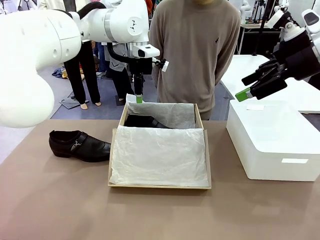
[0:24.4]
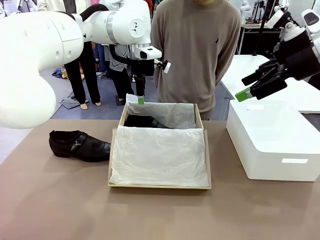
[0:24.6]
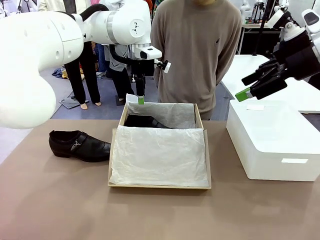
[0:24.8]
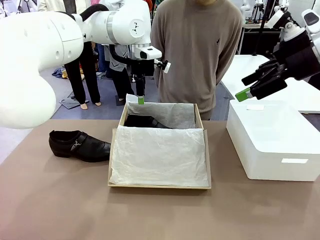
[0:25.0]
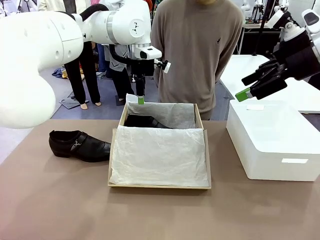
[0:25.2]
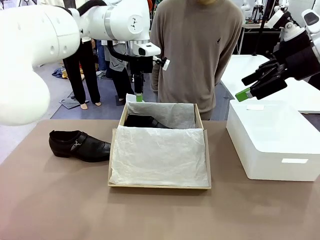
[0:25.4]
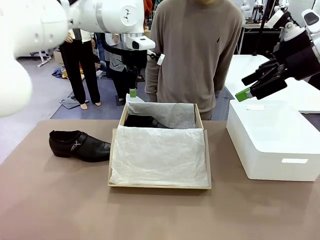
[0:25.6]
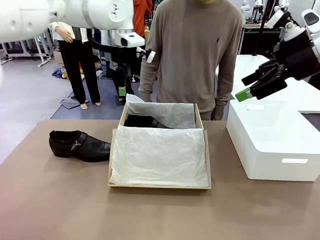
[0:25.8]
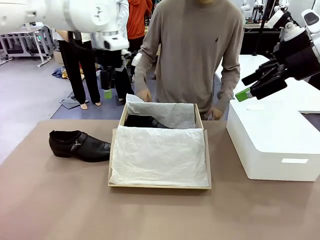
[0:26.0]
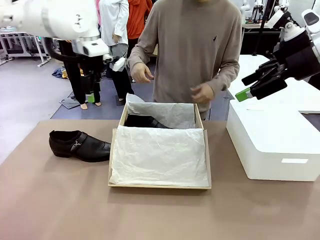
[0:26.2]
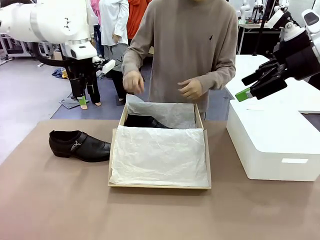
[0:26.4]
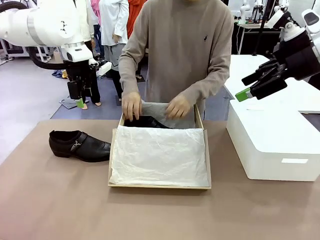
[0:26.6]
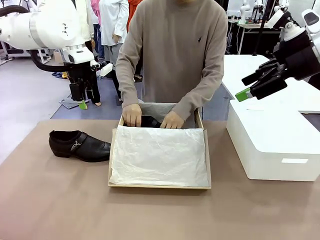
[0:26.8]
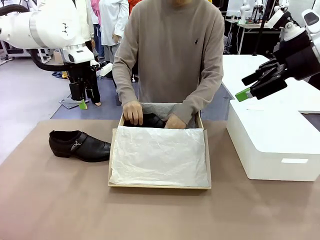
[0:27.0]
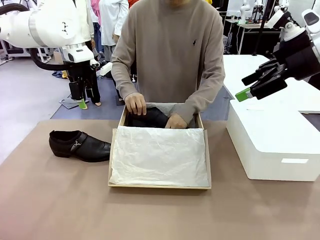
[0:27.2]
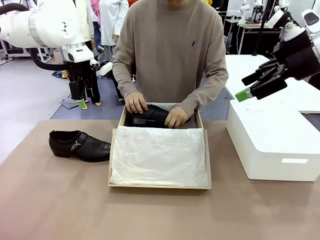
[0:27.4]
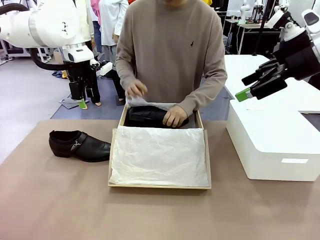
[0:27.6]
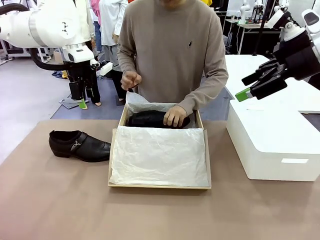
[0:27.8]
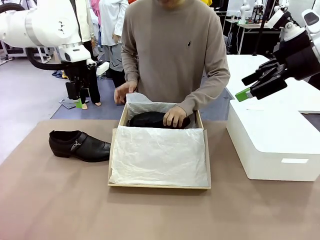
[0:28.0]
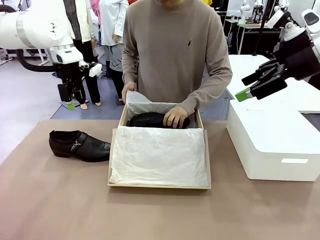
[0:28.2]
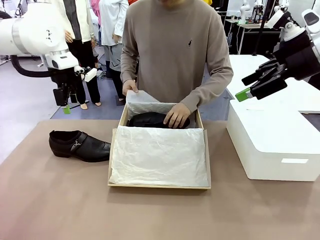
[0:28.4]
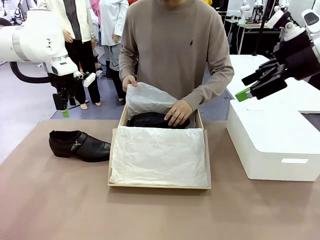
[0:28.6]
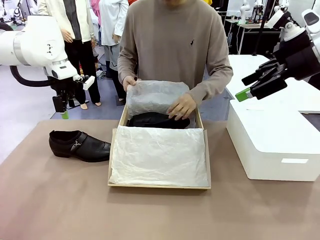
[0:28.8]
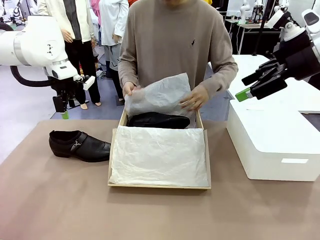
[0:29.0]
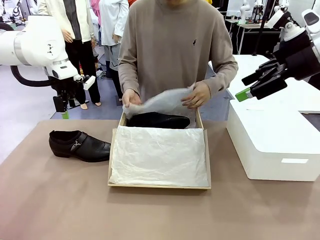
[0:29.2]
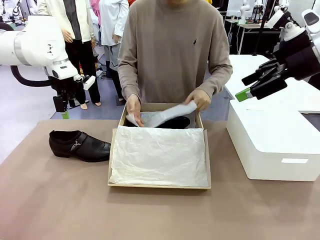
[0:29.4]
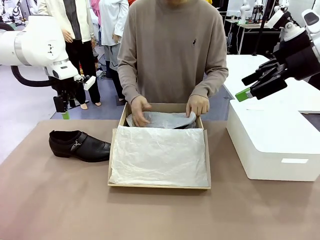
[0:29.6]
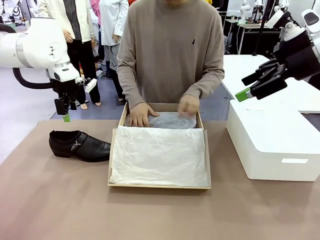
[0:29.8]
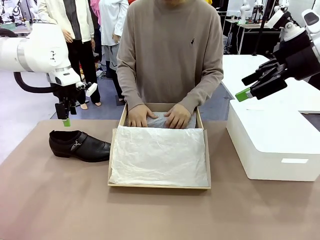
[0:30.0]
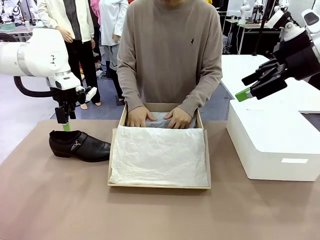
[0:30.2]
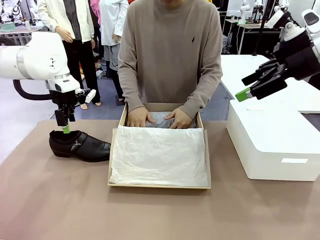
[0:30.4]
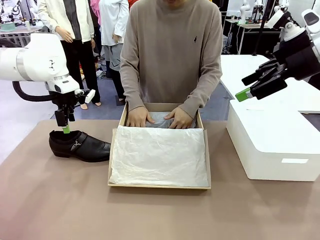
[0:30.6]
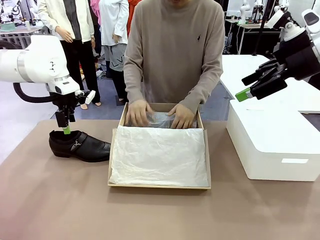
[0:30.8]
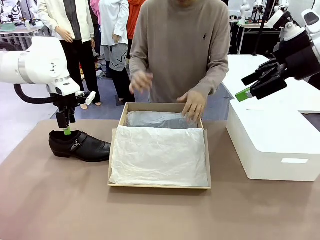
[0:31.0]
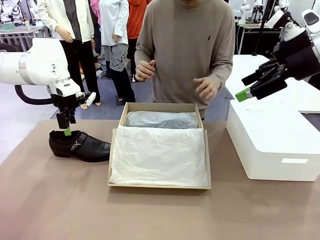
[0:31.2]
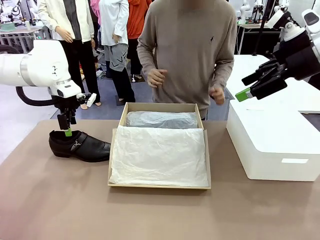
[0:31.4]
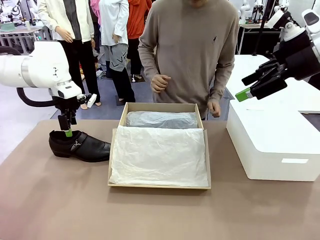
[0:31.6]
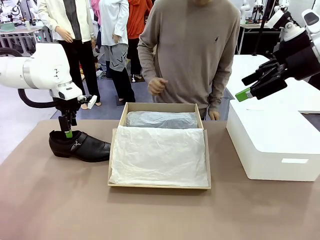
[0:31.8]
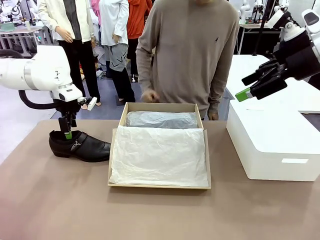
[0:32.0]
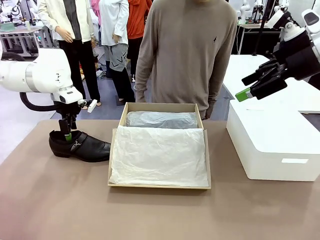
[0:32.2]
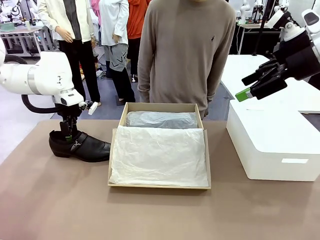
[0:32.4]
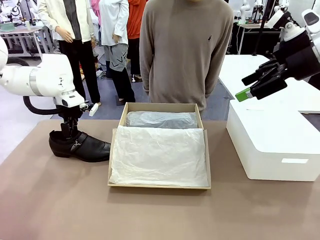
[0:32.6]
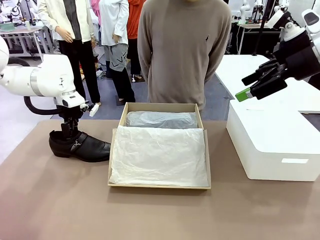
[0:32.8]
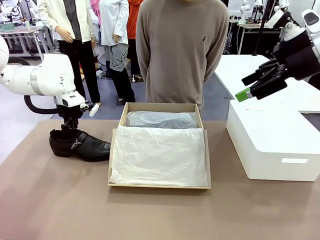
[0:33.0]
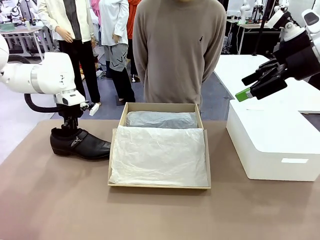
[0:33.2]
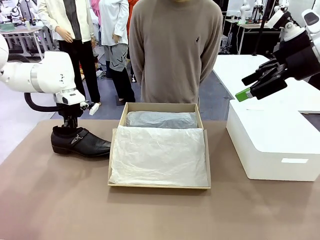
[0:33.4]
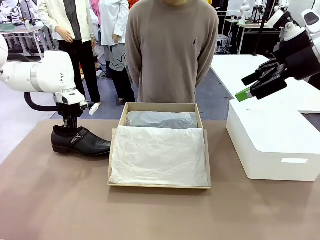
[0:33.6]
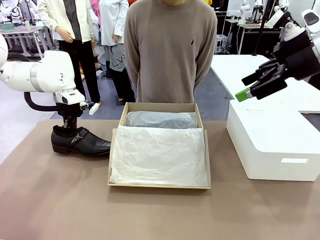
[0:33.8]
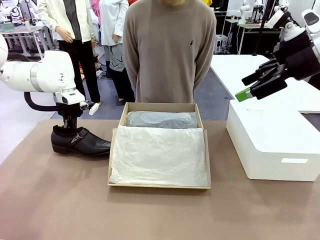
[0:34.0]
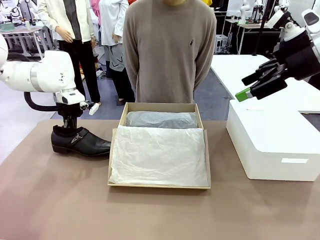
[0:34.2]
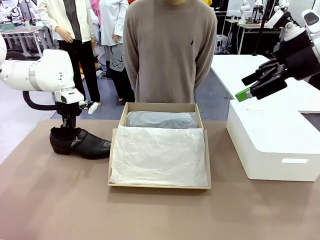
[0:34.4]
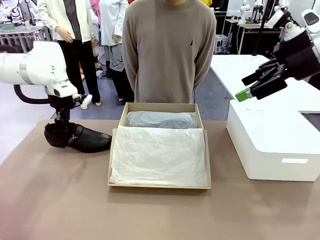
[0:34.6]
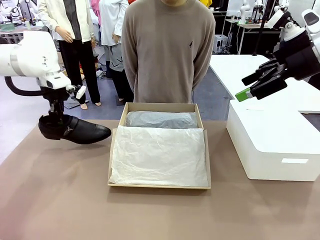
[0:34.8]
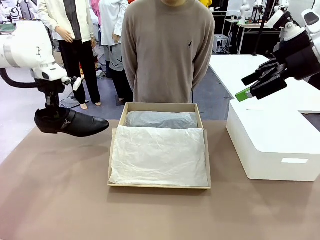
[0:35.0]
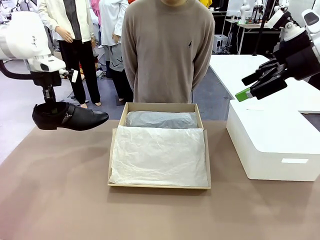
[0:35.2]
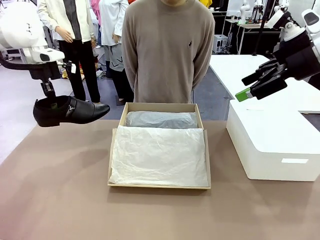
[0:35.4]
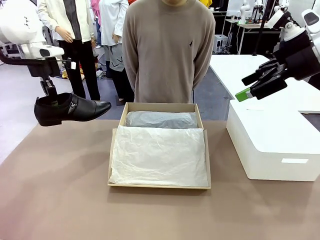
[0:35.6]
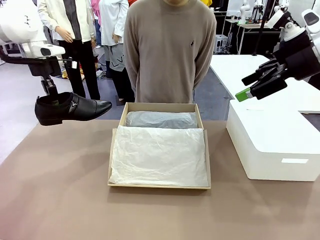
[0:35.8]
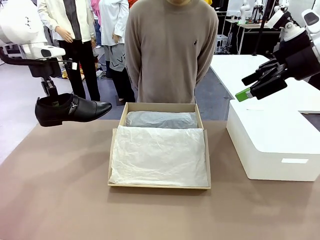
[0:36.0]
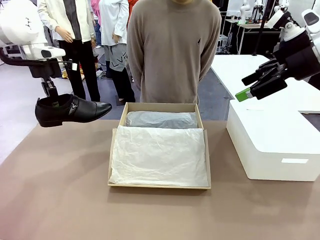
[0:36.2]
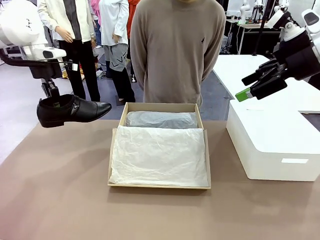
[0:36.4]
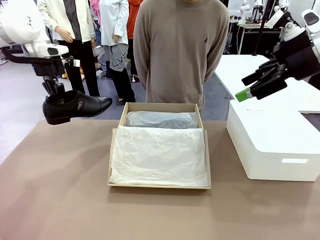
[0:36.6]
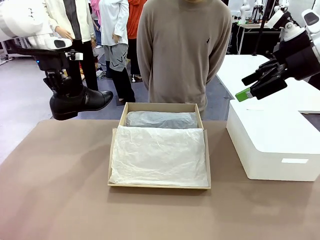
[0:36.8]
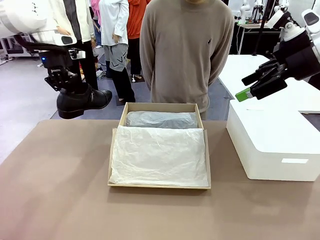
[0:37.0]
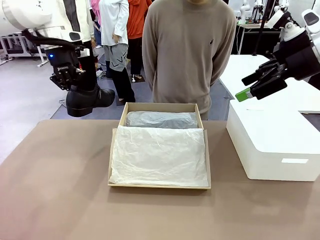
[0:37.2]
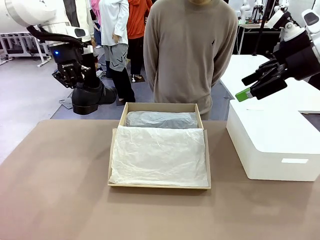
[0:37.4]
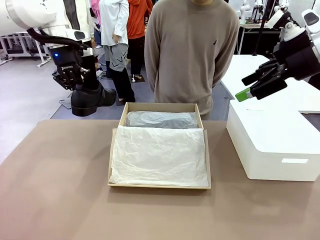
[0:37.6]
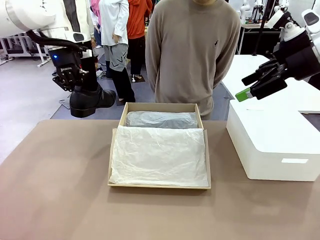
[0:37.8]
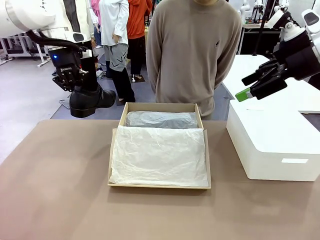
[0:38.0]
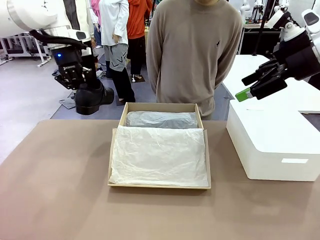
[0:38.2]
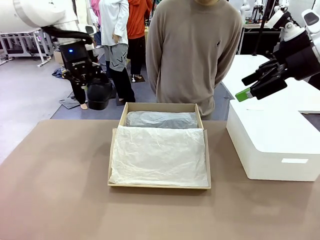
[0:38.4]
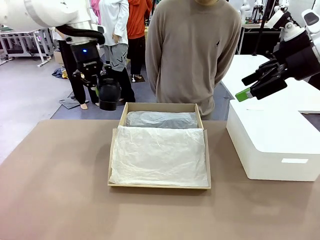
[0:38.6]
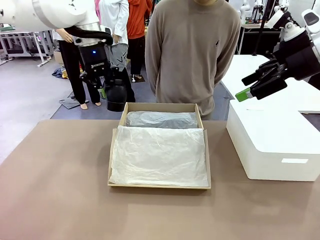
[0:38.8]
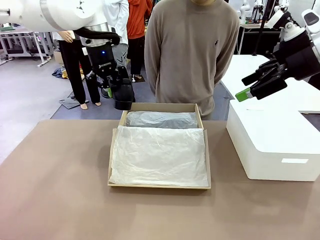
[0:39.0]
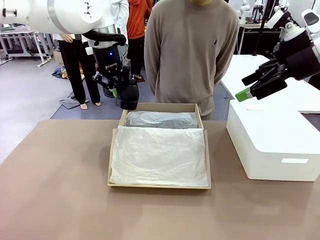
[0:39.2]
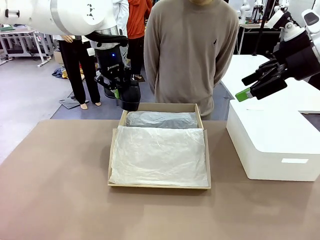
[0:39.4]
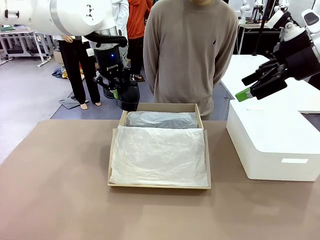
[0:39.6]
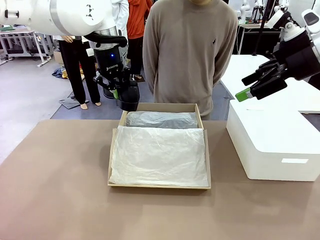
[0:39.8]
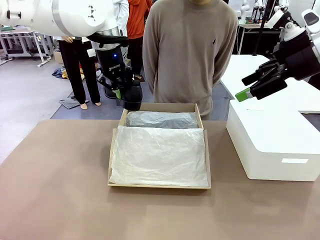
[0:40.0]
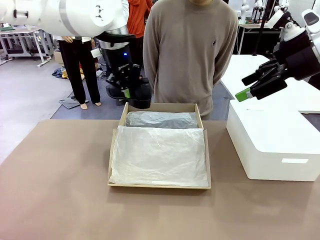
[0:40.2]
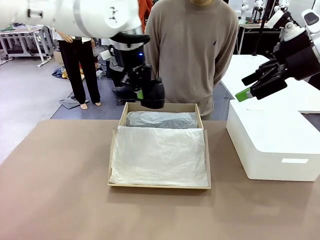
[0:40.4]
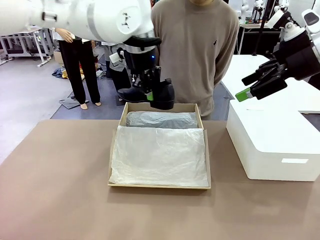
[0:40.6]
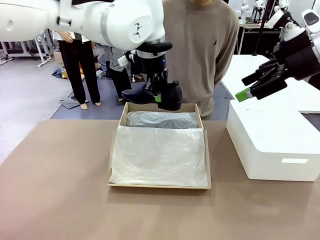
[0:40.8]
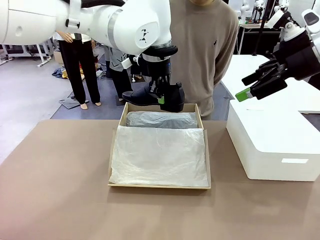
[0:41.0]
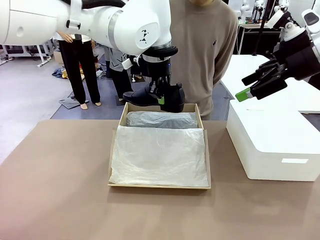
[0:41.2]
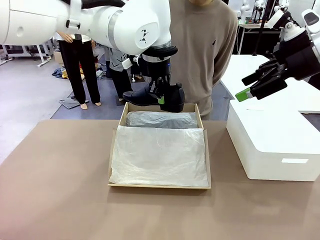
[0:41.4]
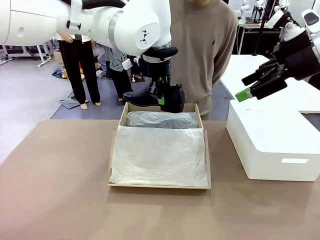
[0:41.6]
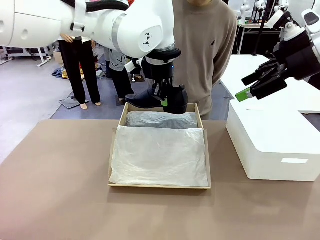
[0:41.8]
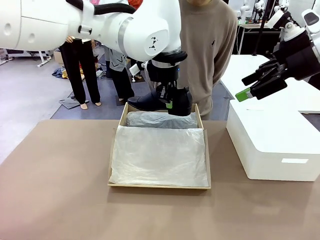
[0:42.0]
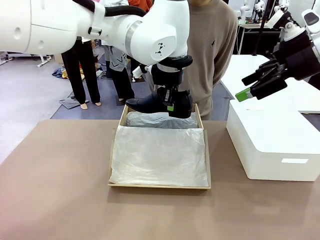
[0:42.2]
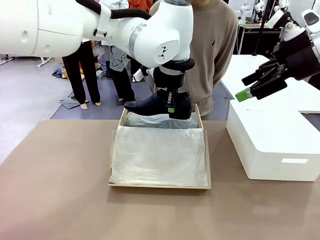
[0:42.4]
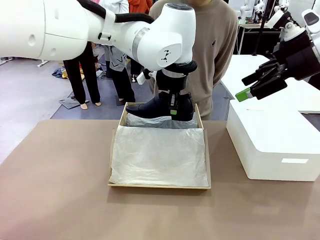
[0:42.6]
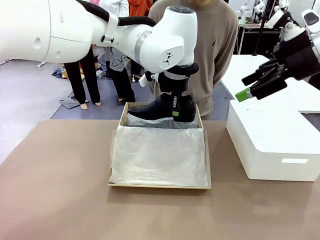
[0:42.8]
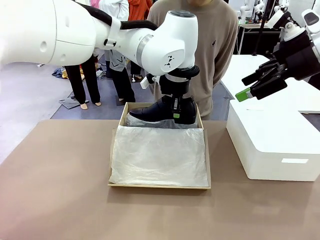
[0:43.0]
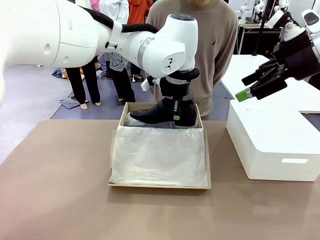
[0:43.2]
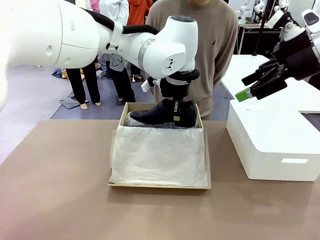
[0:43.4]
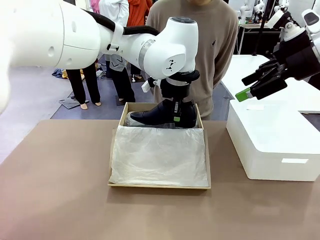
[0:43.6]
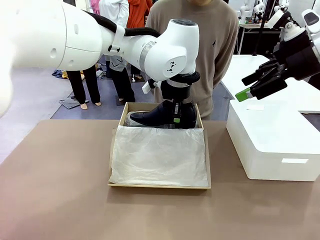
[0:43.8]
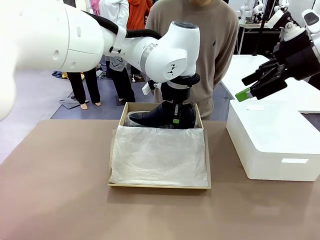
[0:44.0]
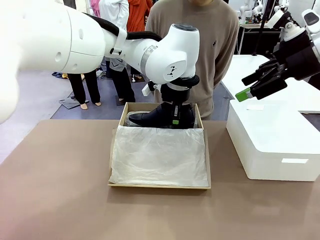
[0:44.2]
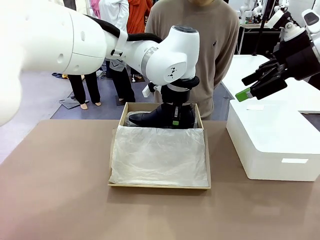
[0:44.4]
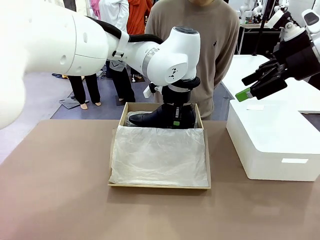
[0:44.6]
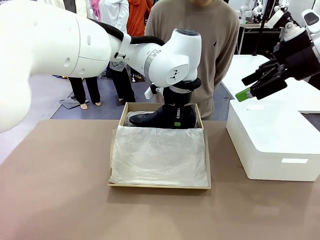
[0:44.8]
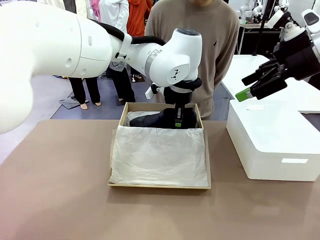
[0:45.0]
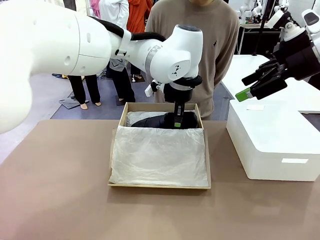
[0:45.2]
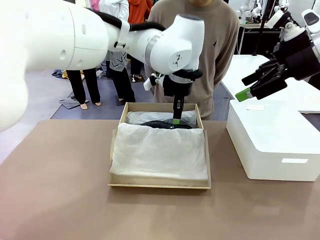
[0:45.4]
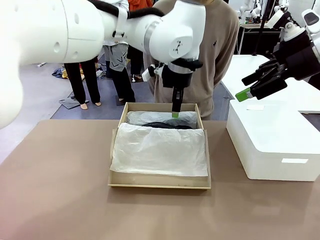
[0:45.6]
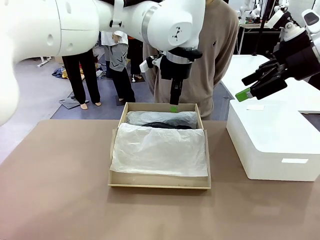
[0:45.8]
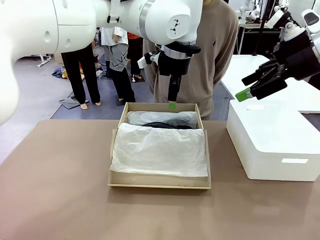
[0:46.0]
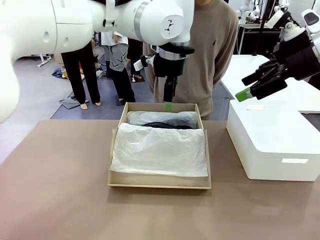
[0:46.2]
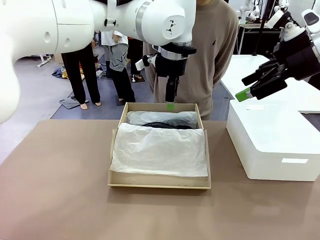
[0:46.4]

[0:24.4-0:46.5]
Task: Pack the shoes into the box.
Robot: Place the other shoe of the Shoes into the Shoes Box.
Person: Pack a shoe of Shoes inside the Shoes Box with Shoes Wrapping Paper.
